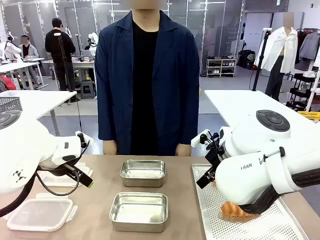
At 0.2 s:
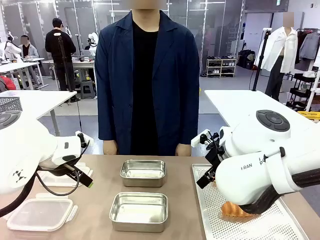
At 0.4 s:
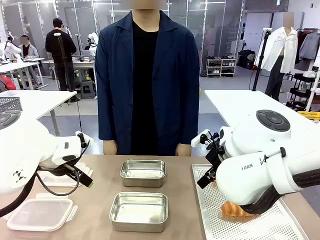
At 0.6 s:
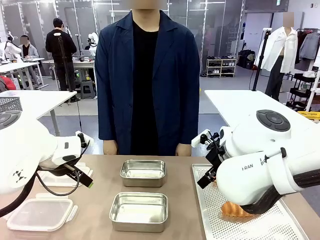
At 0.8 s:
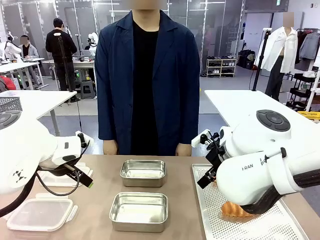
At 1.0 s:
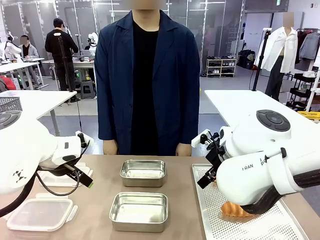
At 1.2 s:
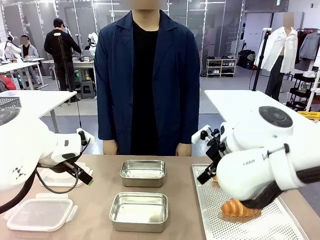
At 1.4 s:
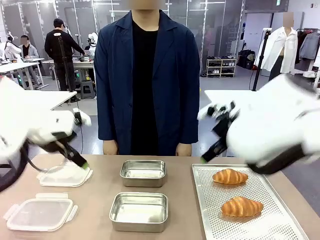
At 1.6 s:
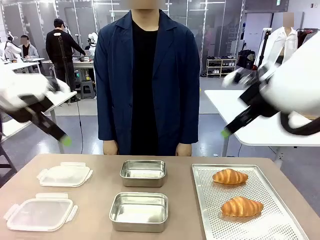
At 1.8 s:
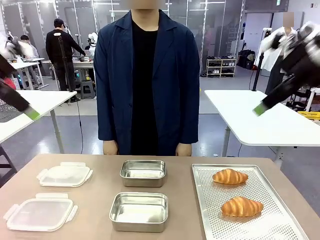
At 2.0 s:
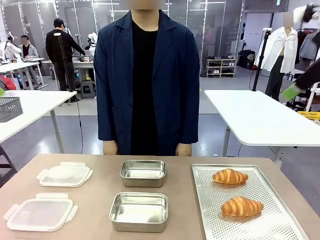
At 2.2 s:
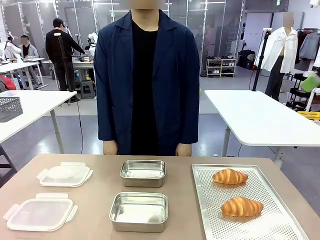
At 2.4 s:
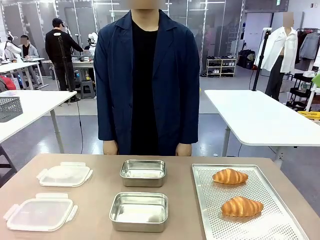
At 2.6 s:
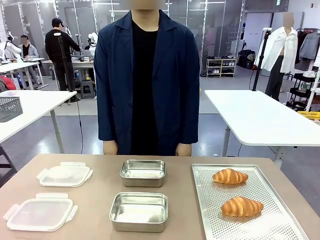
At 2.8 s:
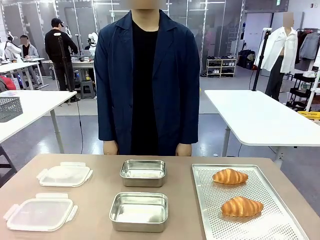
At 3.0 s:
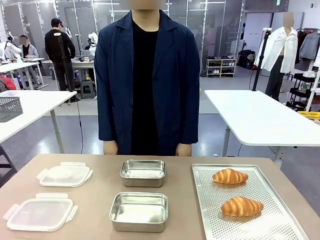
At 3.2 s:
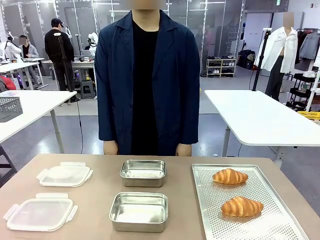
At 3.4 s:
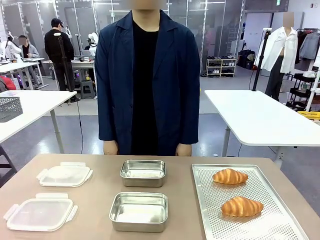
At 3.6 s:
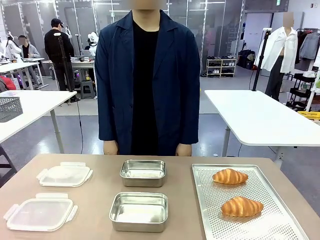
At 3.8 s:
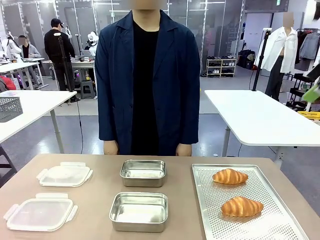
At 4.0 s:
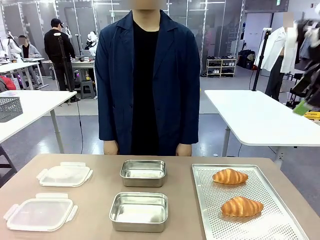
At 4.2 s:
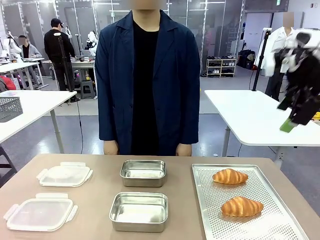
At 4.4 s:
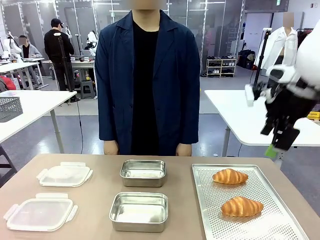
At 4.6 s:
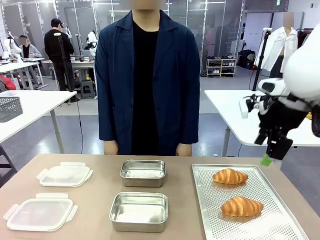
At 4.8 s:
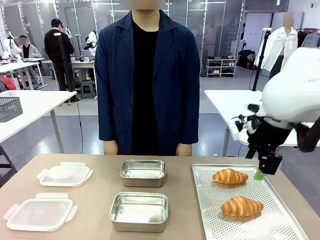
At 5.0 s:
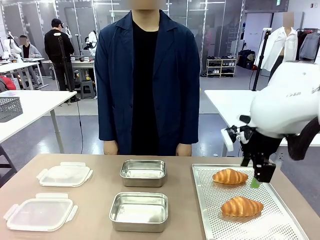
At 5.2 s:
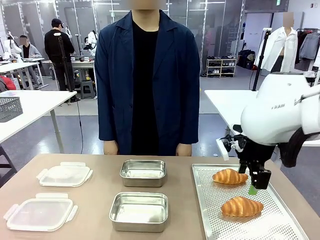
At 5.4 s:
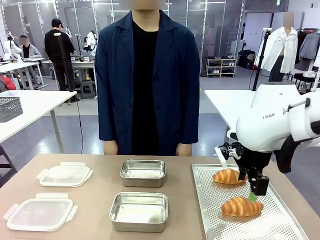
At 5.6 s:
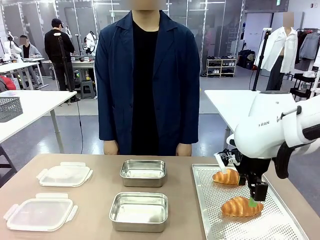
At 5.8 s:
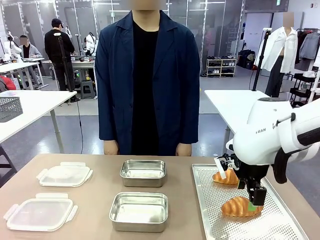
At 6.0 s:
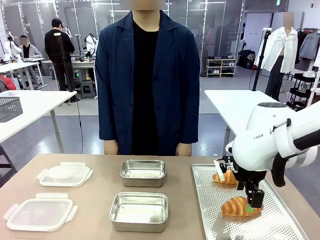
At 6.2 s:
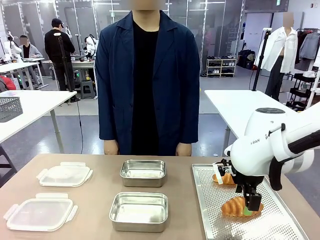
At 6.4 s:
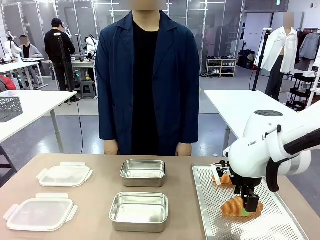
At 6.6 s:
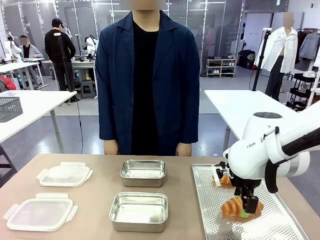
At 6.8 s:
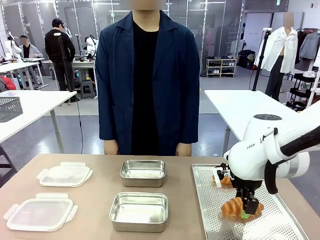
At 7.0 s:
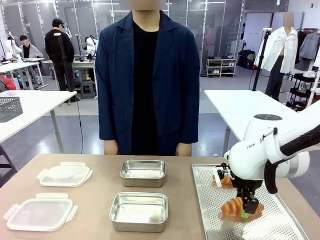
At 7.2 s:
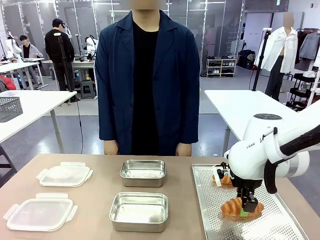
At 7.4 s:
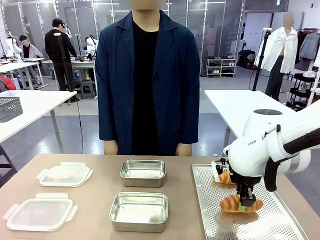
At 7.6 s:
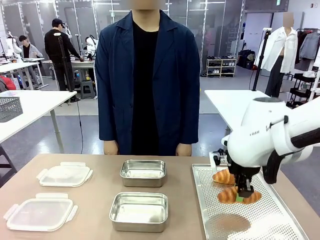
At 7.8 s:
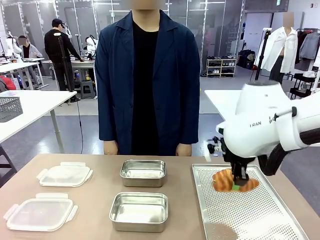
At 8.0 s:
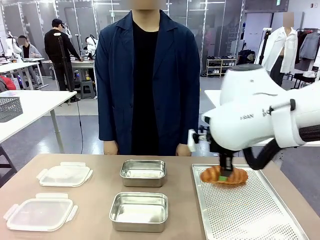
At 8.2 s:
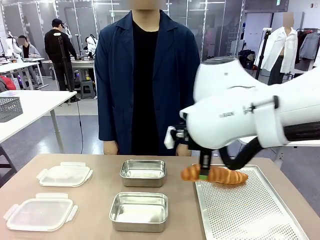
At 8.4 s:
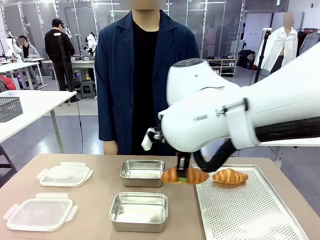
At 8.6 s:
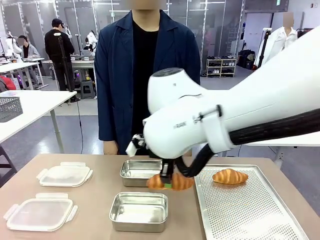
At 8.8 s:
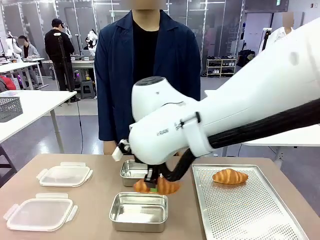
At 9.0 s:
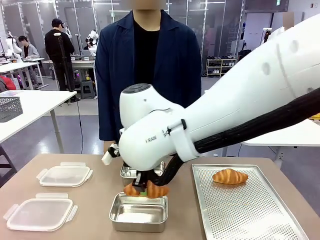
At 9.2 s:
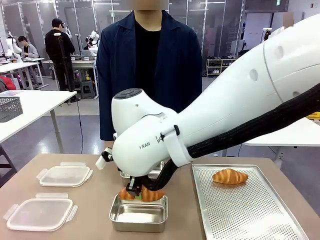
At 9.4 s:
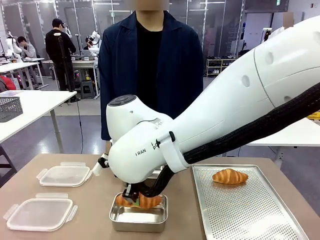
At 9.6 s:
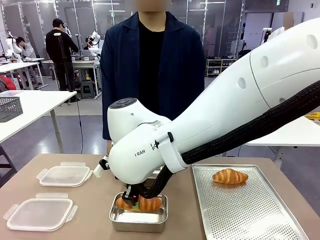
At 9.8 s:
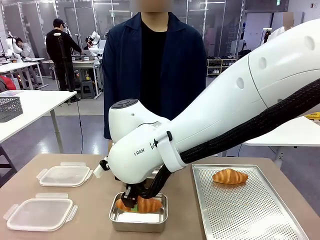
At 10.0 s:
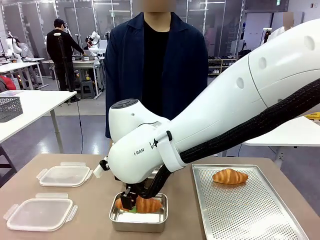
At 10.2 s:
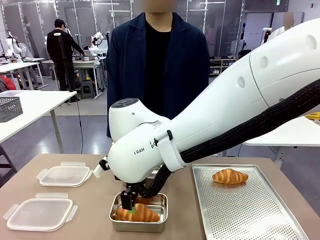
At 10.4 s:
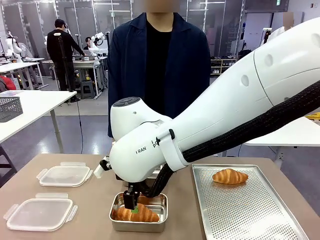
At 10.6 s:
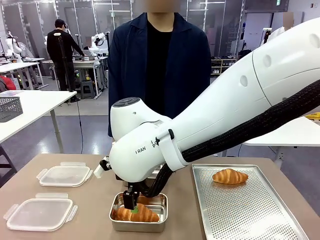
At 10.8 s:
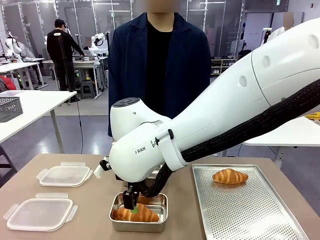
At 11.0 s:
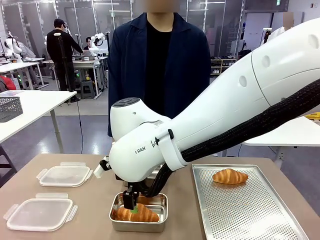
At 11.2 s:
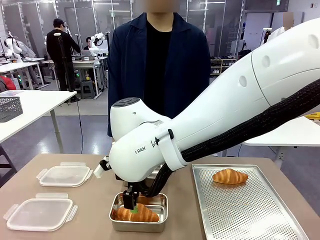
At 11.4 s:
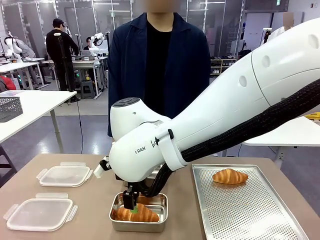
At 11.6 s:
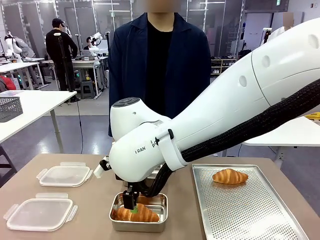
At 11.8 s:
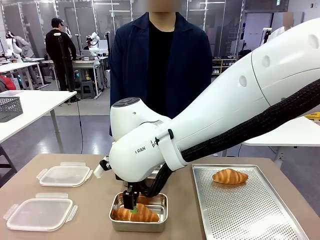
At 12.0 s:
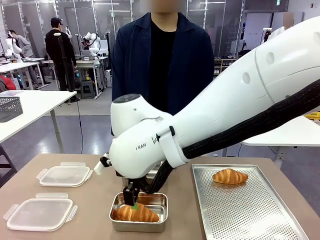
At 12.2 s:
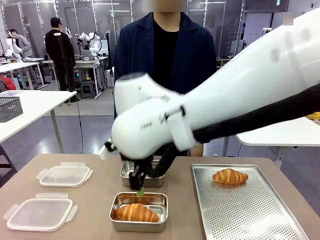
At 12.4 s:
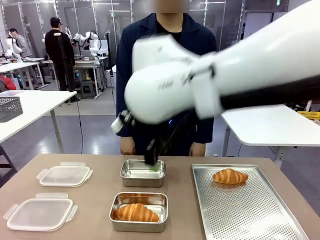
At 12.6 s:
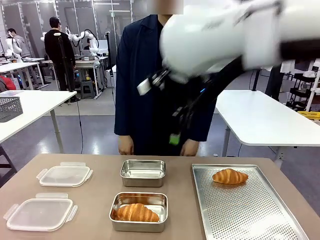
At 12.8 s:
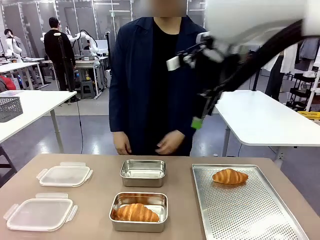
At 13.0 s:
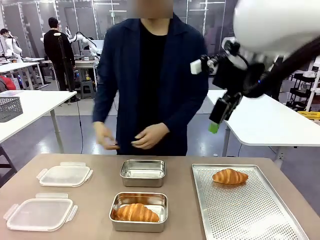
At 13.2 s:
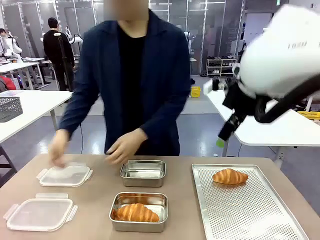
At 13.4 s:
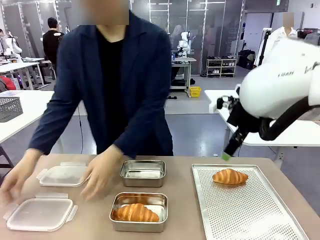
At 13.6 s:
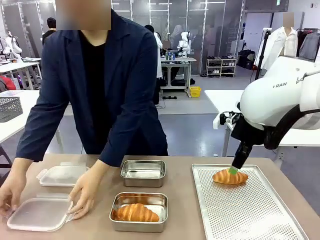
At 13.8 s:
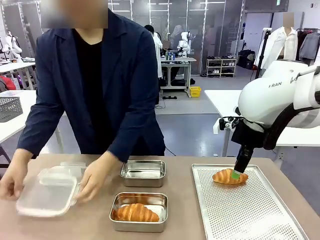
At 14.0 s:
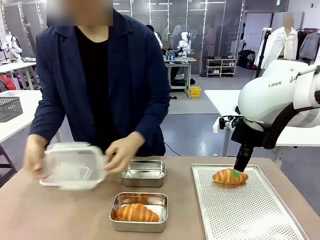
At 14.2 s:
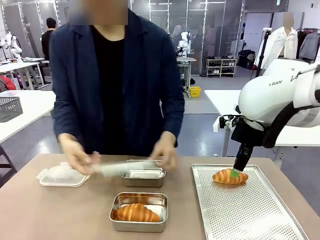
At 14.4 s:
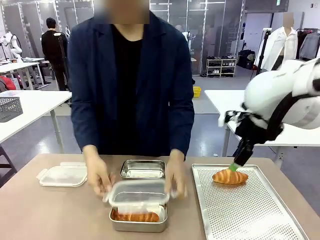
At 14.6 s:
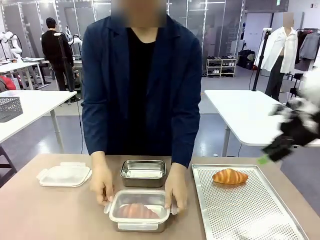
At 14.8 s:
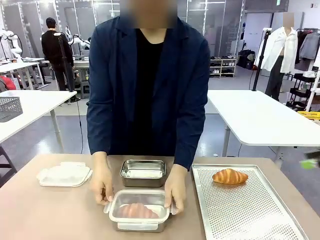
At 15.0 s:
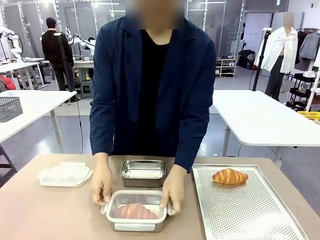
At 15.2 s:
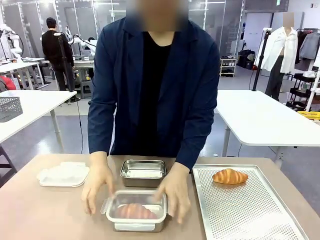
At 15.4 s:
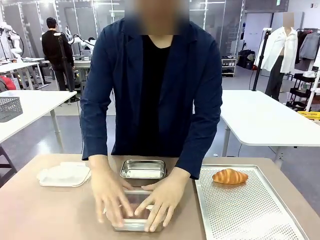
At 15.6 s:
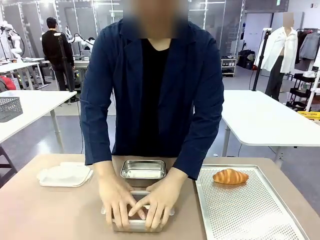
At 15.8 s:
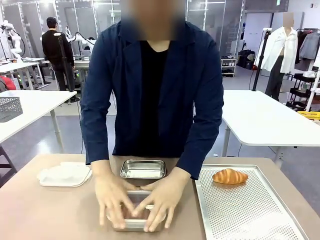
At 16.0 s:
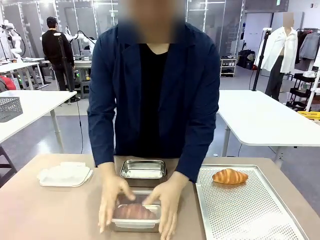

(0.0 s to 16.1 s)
Task: Place the bread into the airtight container.
Robot: Pick up a Butter Roll and place it into an empty Airtight Container.

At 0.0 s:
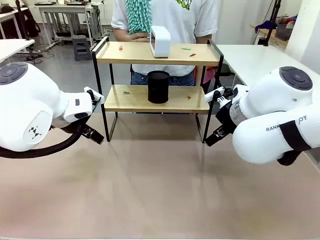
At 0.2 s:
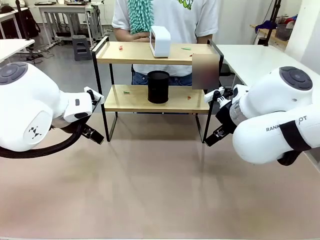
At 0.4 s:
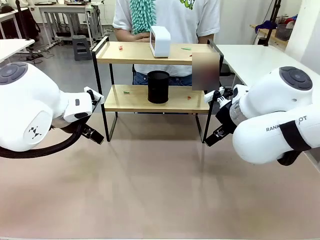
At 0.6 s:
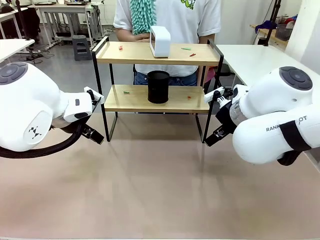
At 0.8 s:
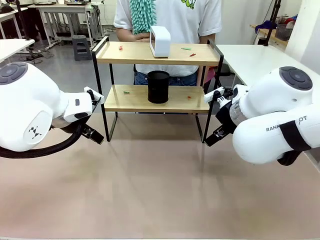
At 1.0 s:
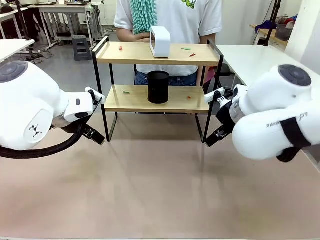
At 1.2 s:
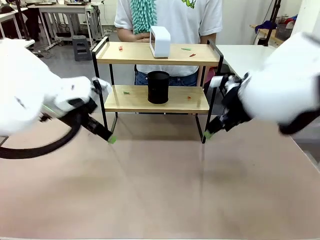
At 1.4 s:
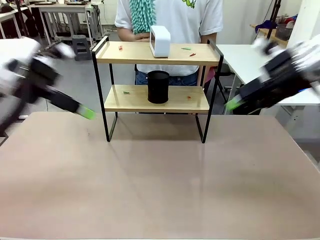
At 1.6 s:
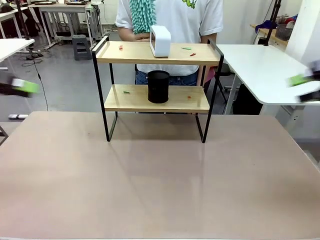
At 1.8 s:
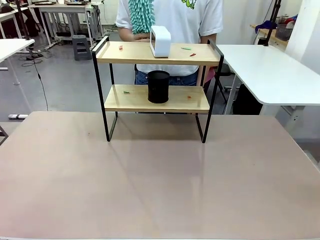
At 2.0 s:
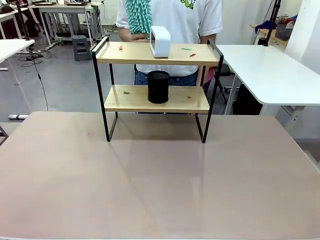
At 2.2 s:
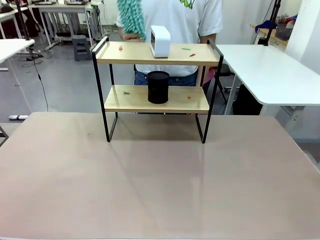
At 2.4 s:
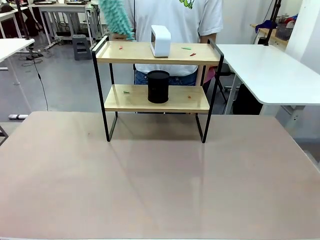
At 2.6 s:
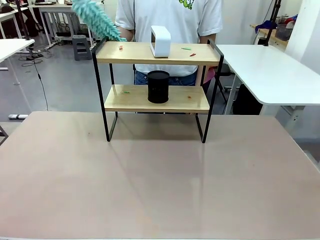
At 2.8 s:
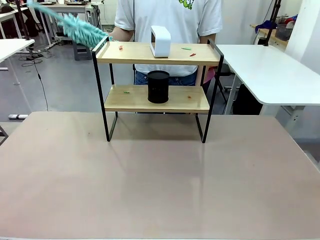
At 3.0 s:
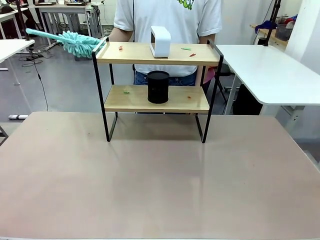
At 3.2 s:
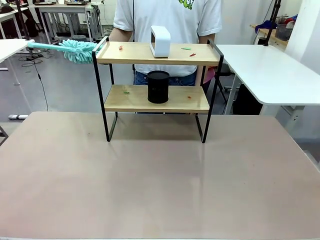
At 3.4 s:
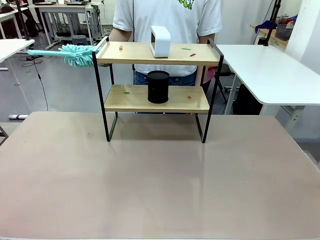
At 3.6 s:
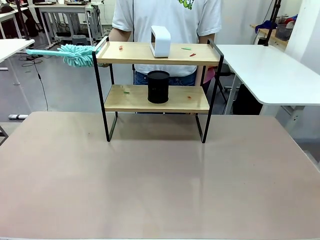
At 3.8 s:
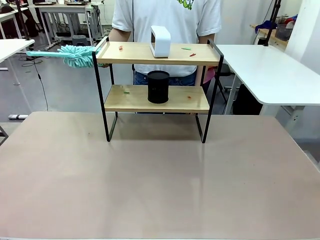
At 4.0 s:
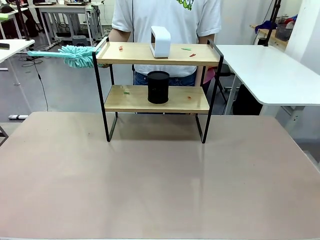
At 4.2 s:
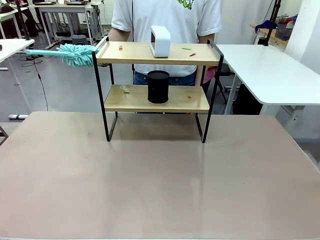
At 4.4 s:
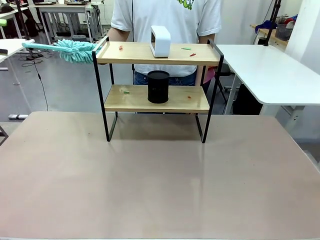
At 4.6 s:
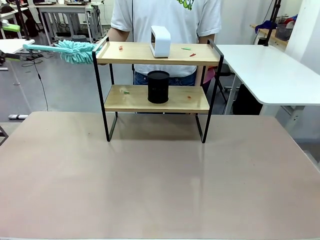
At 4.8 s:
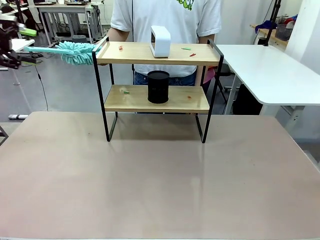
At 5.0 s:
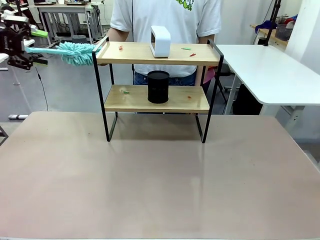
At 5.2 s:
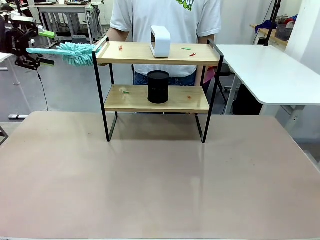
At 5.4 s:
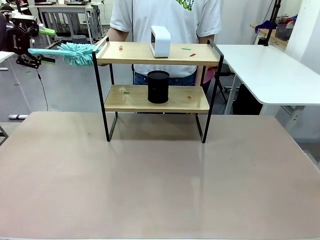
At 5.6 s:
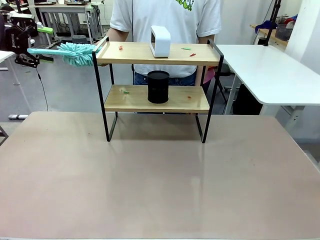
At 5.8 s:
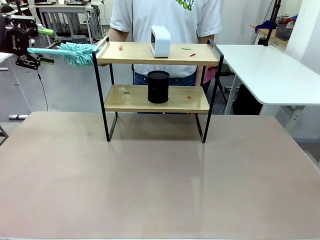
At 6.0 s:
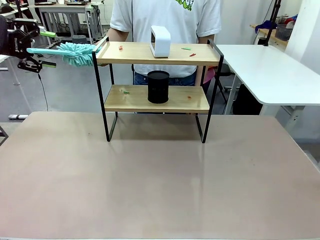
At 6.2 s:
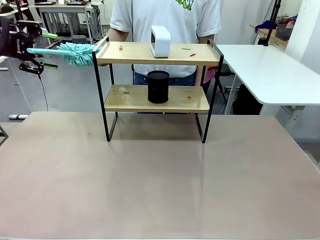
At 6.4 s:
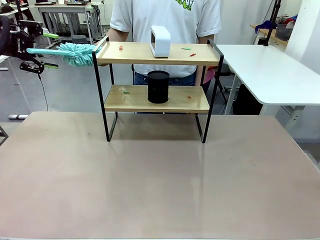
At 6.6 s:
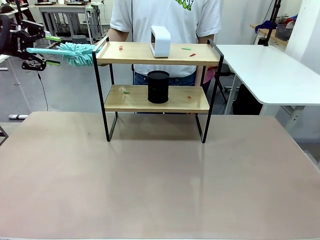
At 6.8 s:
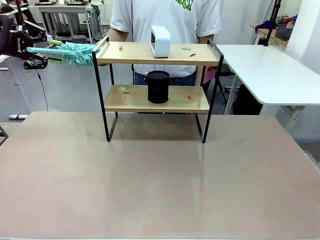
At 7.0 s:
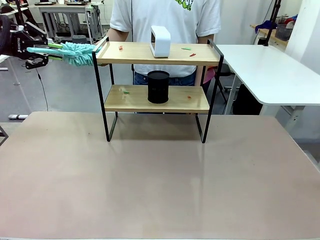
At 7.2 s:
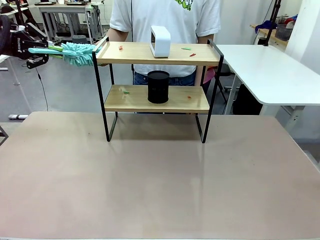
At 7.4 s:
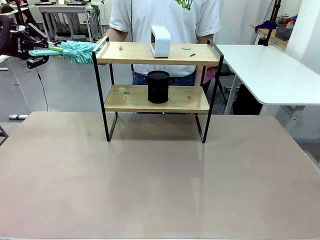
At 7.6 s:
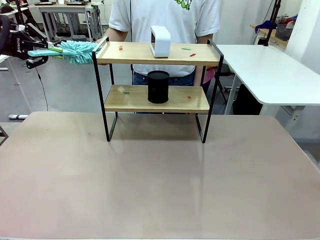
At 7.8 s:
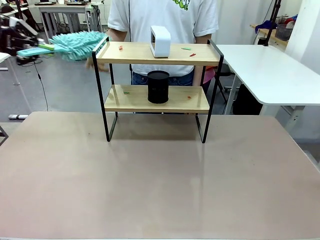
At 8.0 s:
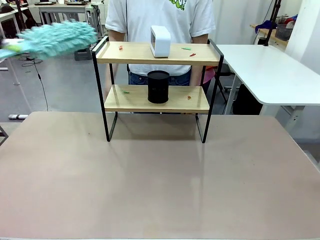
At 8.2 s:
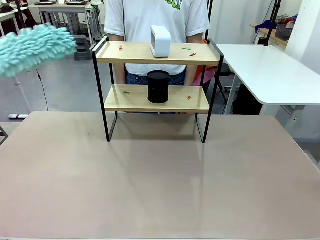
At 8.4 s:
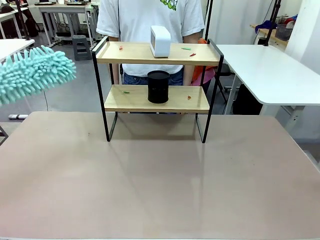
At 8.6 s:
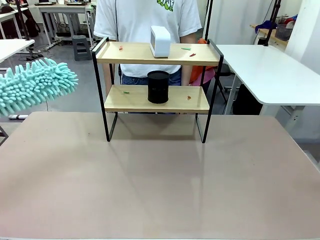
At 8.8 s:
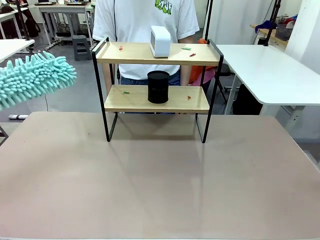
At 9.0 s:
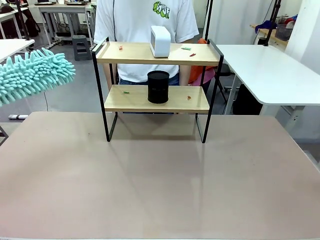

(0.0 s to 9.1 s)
Task: Clean the shelf.
Robot: Pick up the Duster from the human.
Person: Hand the Duster to the robot.
